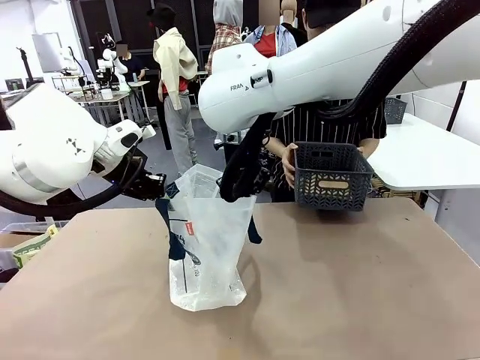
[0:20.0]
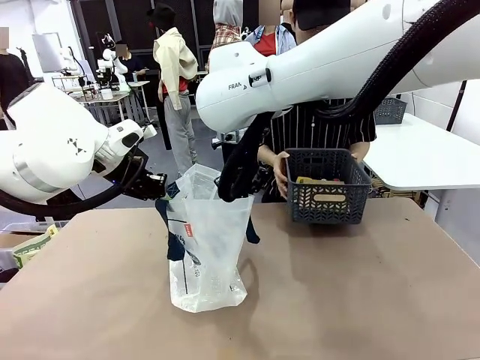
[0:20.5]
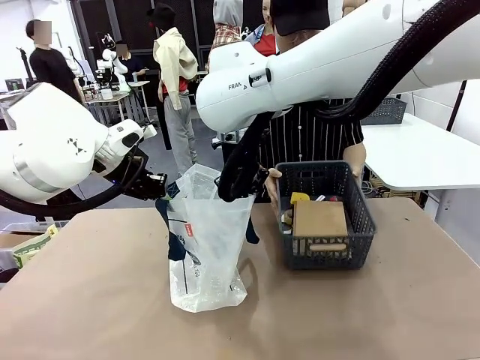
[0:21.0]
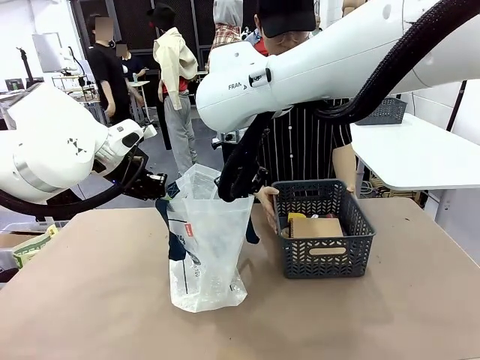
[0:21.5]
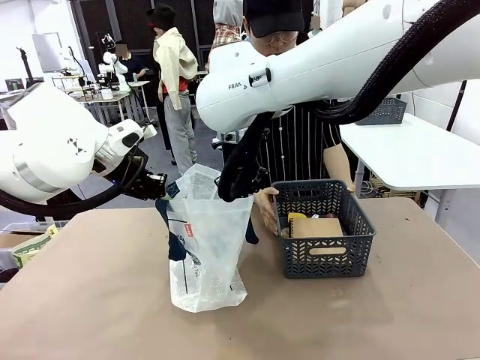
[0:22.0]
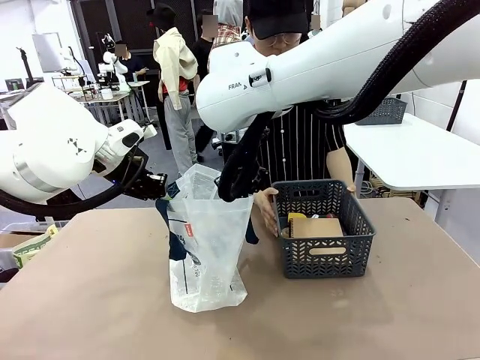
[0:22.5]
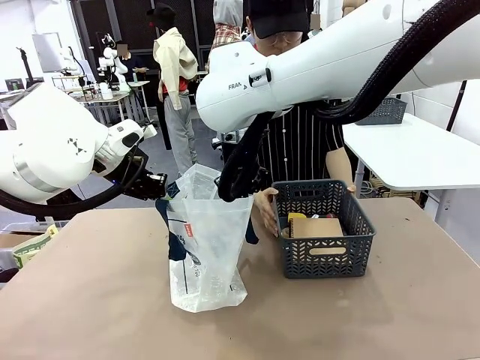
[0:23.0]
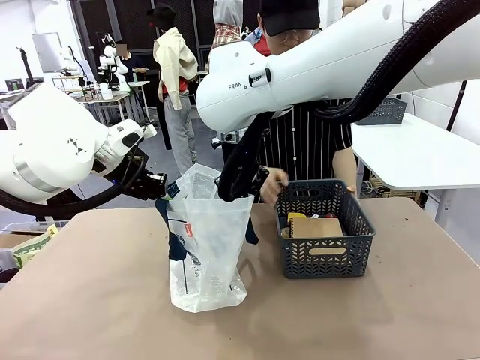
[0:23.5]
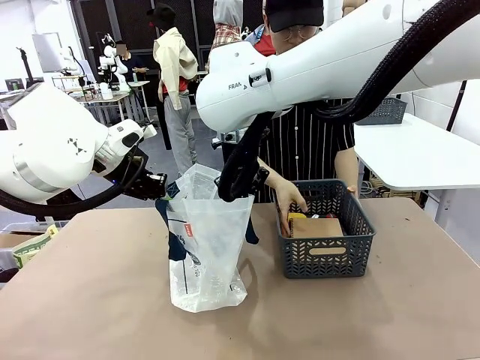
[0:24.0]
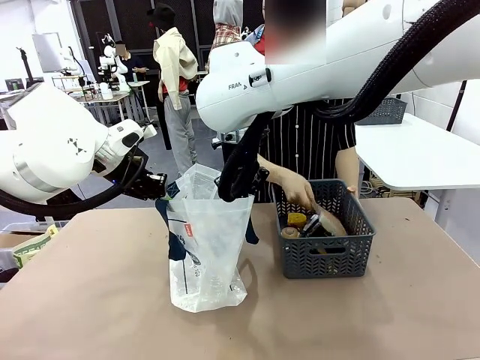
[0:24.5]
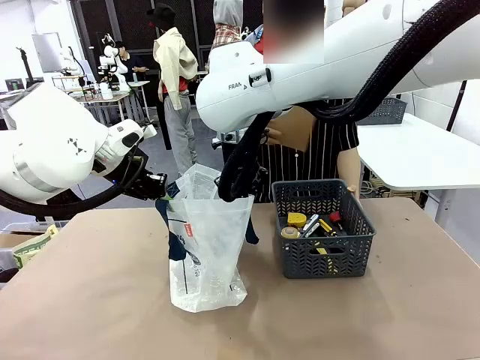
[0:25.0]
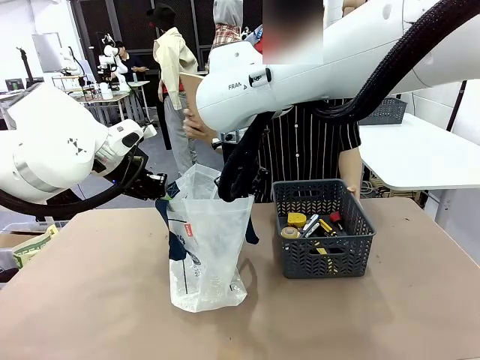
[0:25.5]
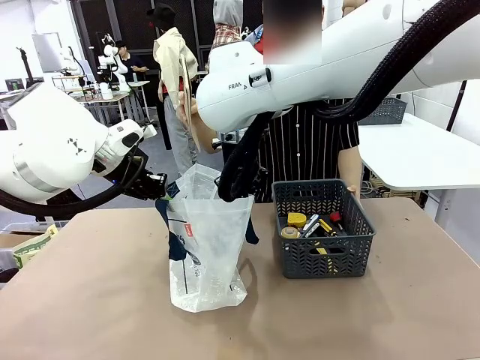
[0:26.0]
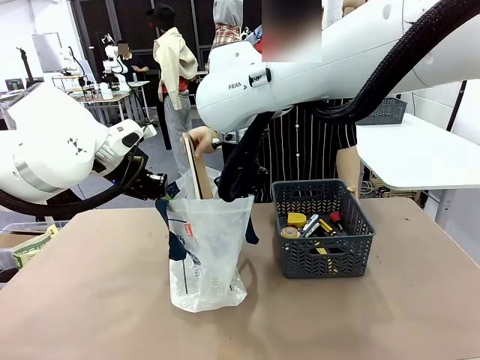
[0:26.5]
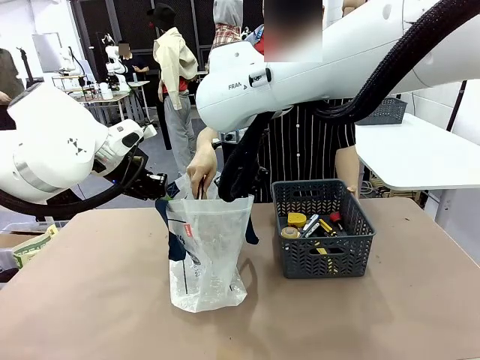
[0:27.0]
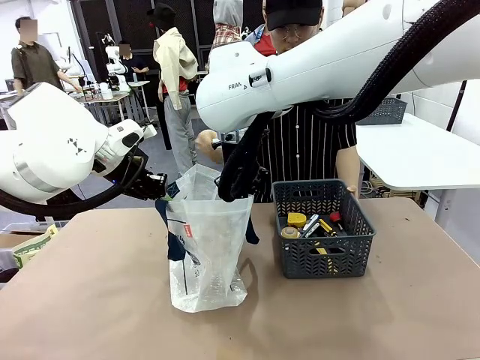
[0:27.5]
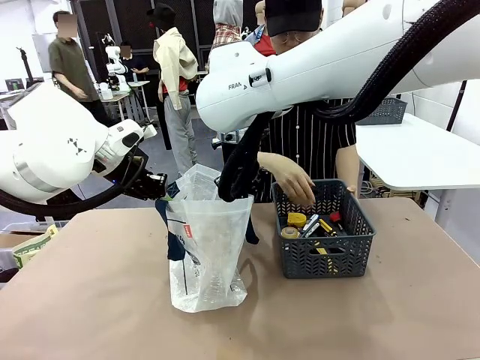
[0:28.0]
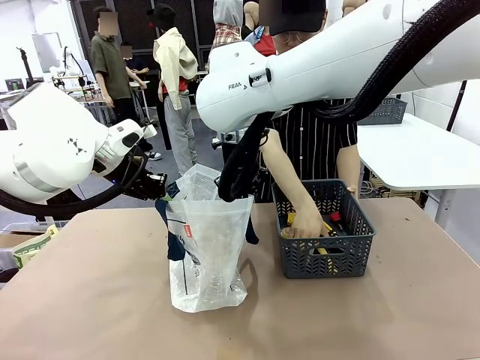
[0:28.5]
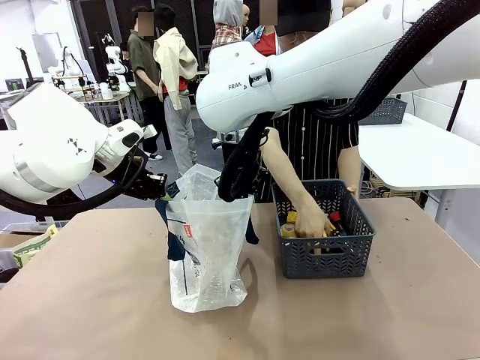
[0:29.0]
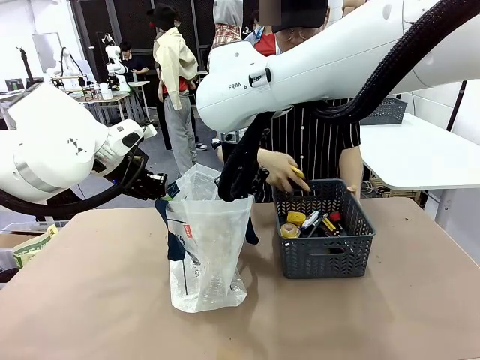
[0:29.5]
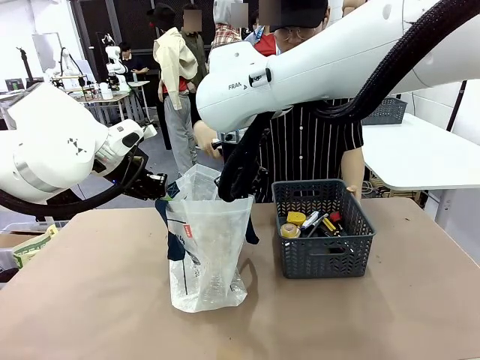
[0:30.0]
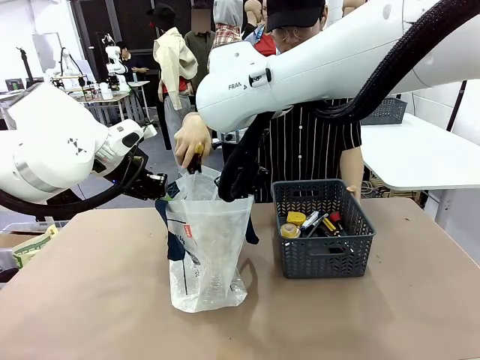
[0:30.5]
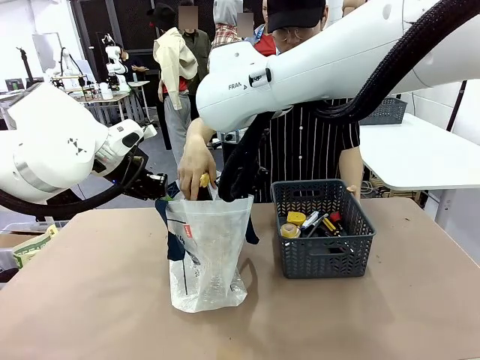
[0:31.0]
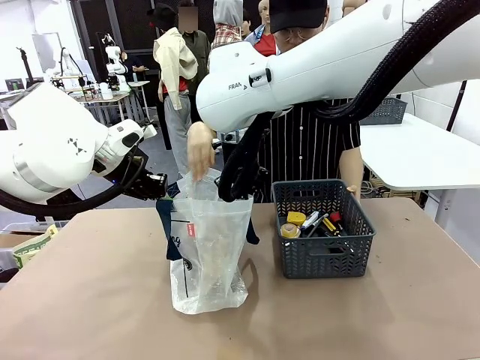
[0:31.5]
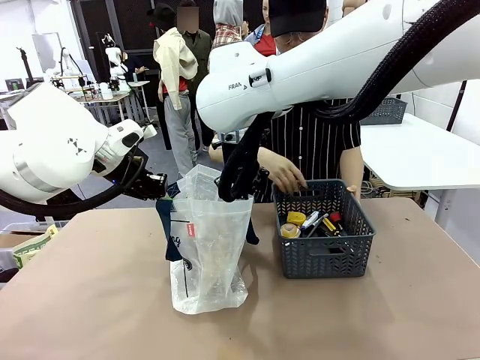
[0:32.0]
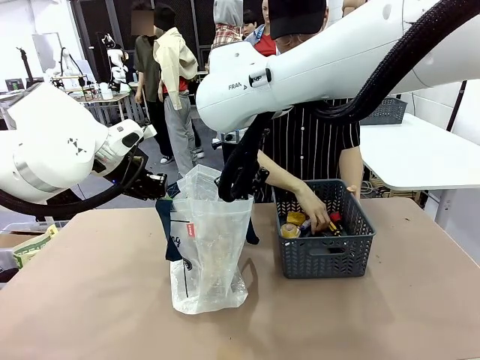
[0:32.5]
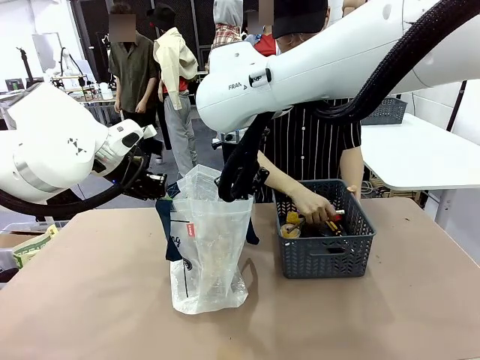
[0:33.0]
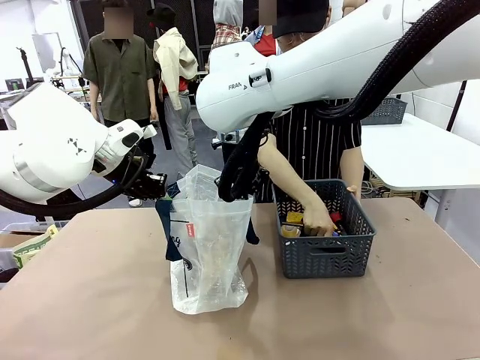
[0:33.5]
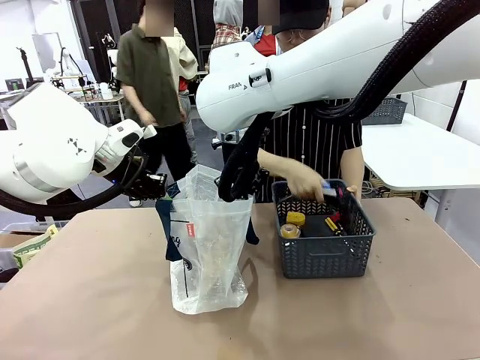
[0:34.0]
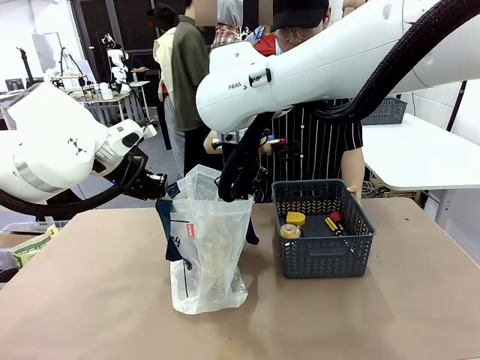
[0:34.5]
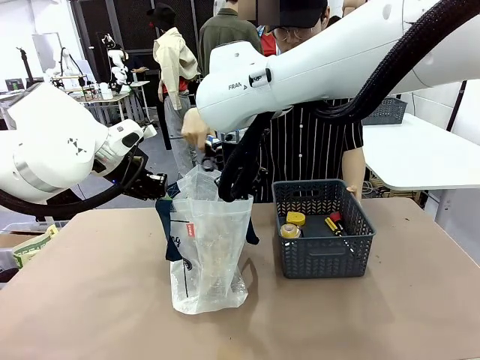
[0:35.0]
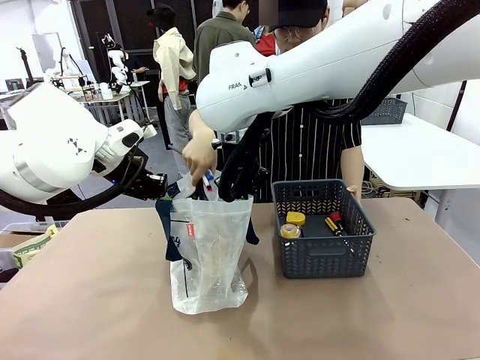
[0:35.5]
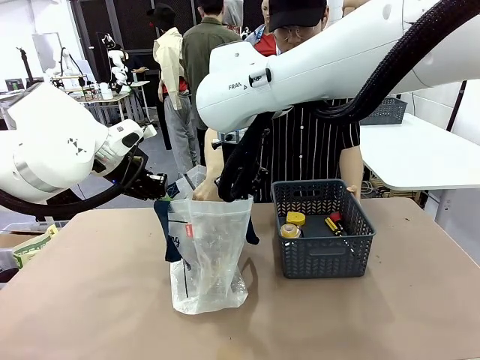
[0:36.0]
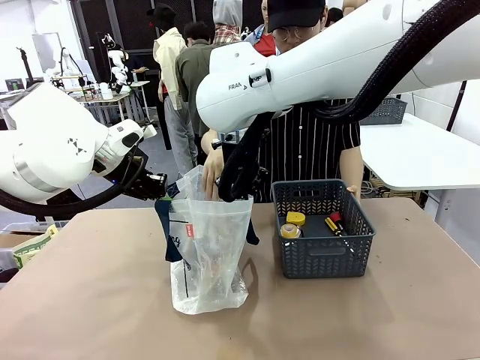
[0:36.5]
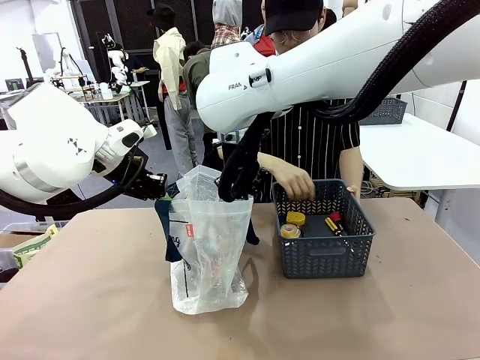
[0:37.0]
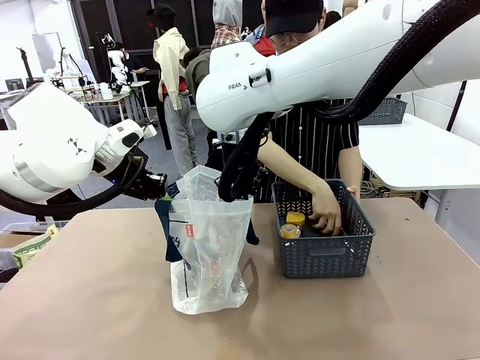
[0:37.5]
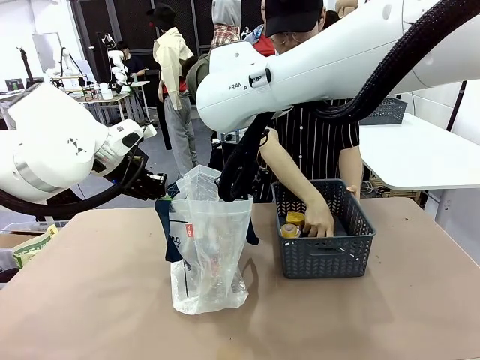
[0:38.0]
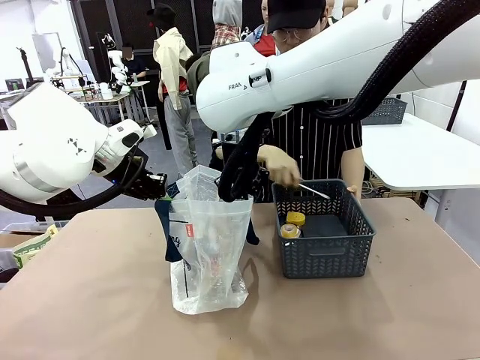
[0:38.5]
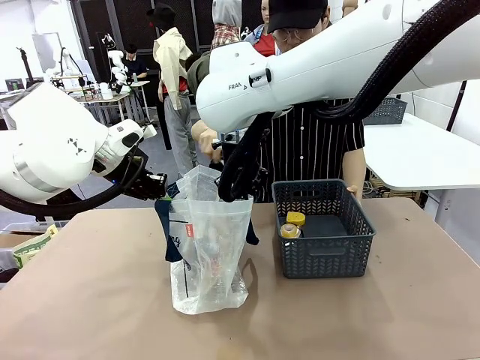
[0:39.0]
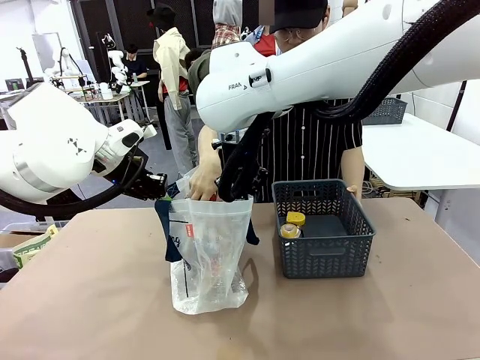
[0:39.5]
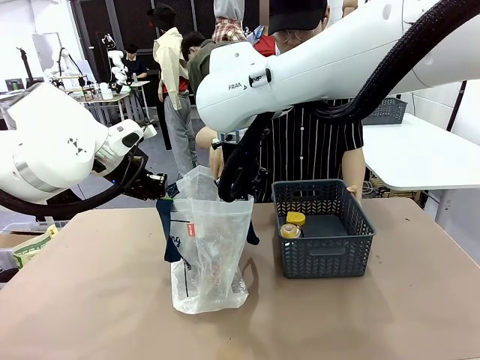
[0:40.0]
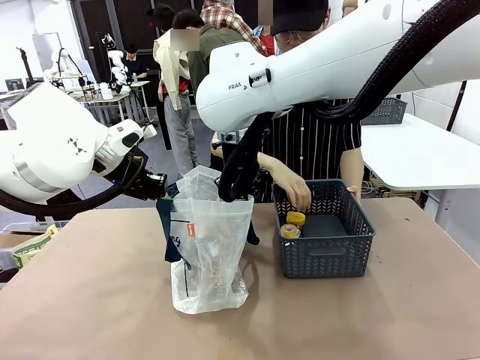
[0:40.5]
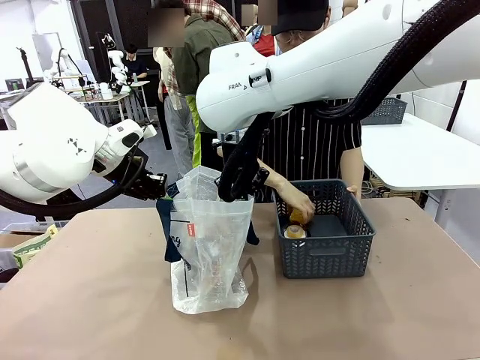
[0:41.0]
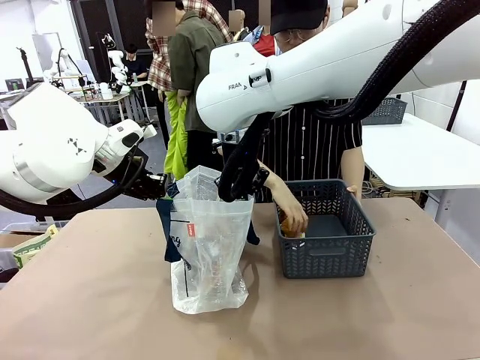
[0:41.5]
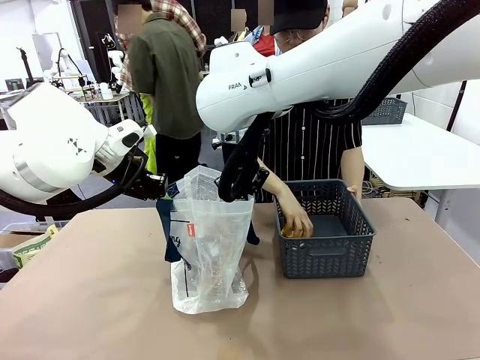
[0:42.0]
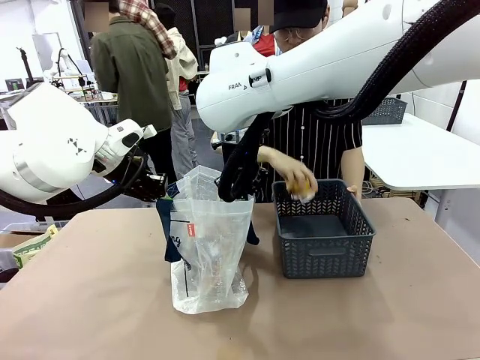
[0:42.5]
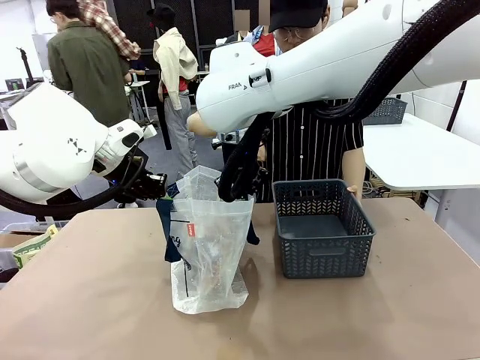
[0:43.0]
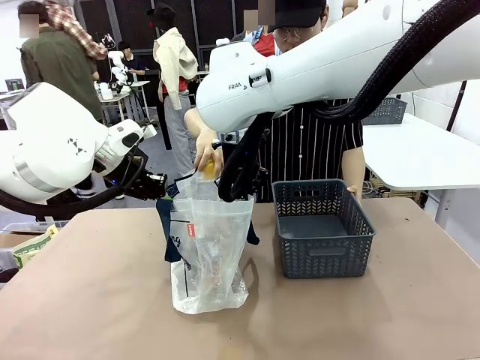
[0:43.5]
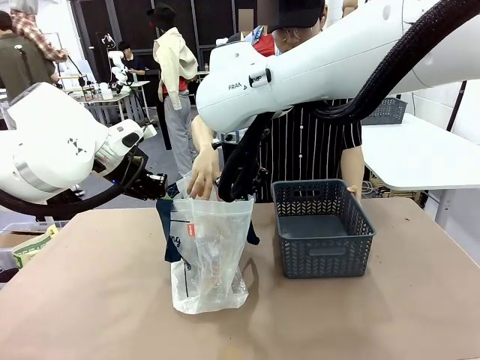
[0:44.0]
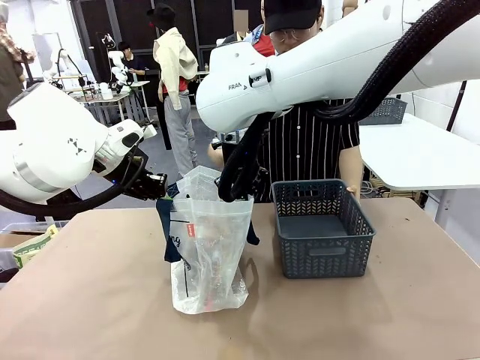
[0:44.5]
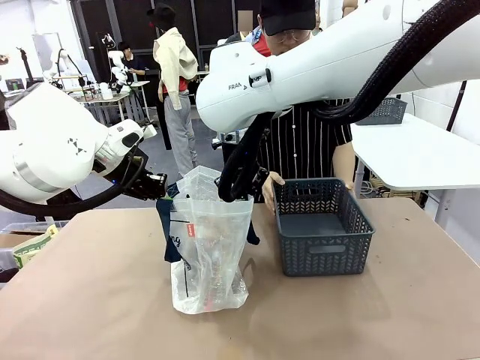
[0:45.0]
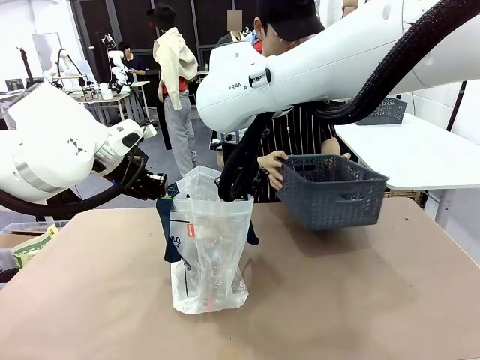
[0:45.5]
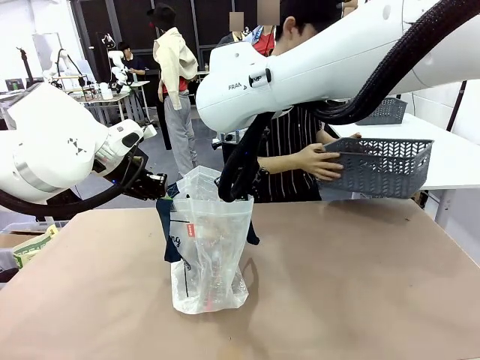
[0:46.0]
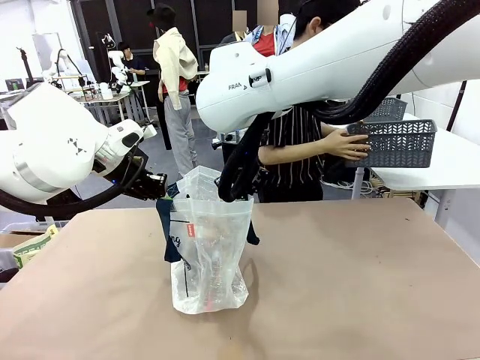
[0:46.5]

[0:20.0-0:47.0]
Task: Transfer purchased items from the store into the shopping bag.
Robot: Move the Reusable shopping bag to the right side of the table.
Person: Pick up the basket with the items out and place it on the right side of the human table.
